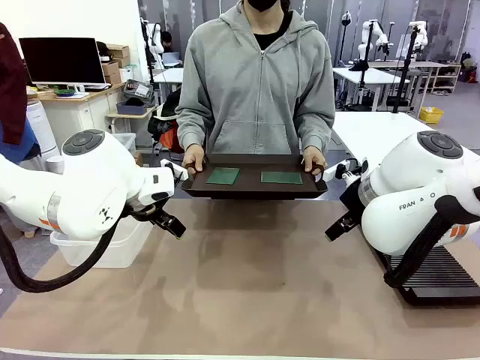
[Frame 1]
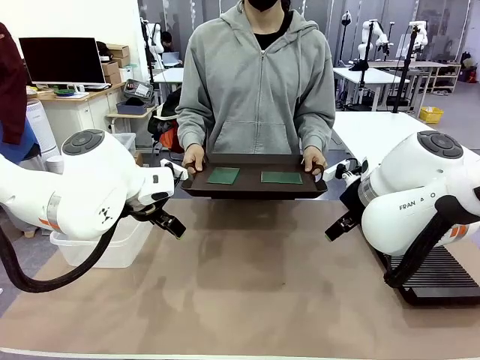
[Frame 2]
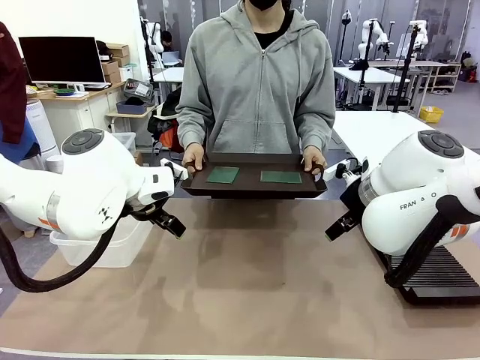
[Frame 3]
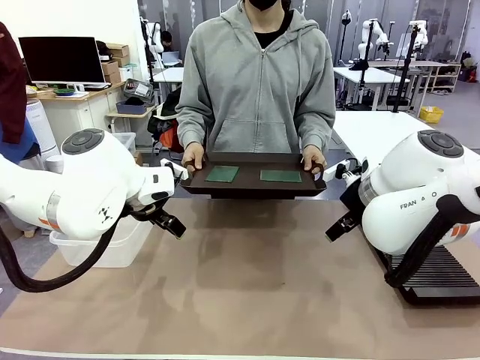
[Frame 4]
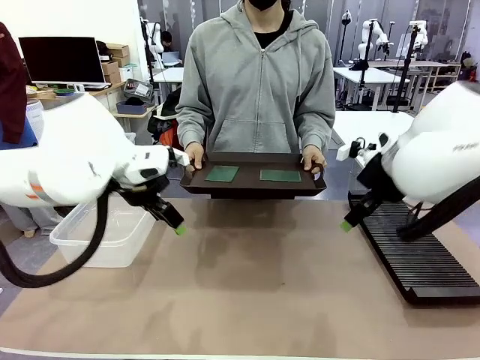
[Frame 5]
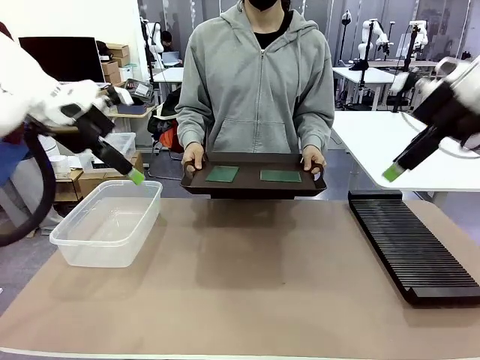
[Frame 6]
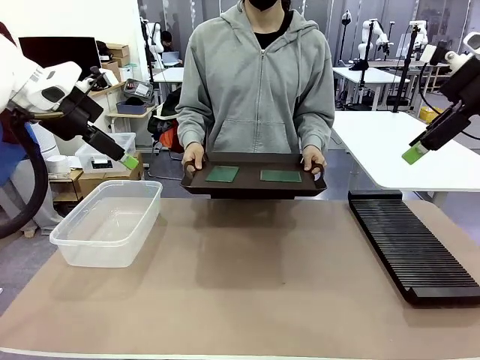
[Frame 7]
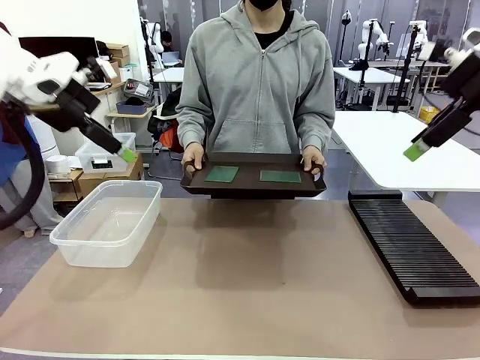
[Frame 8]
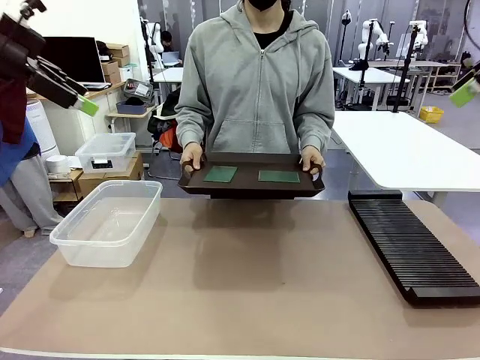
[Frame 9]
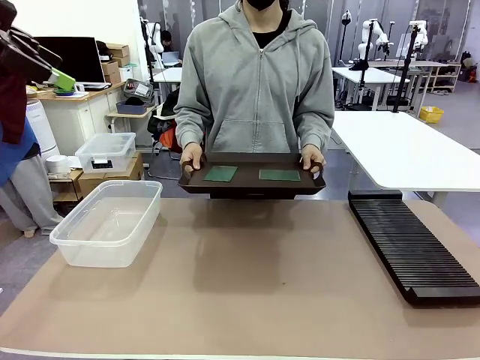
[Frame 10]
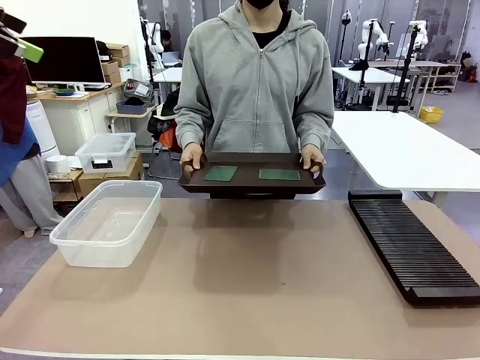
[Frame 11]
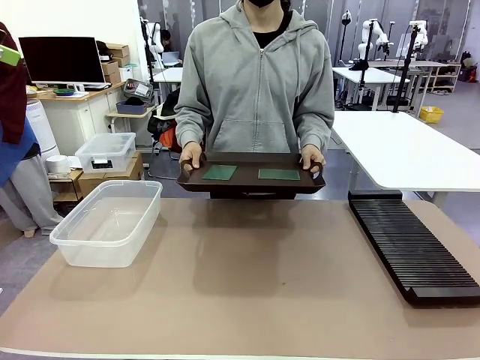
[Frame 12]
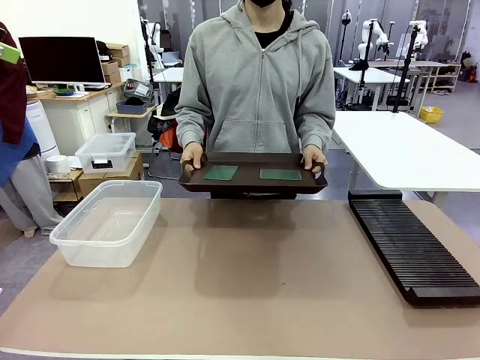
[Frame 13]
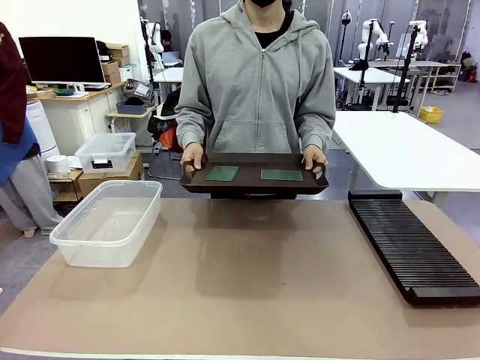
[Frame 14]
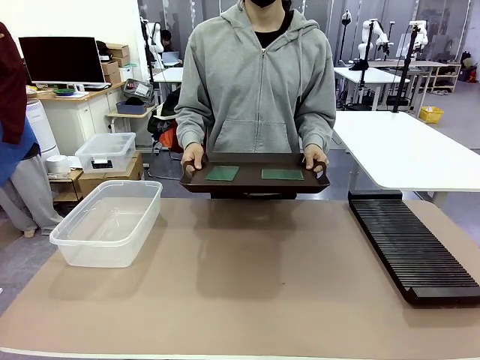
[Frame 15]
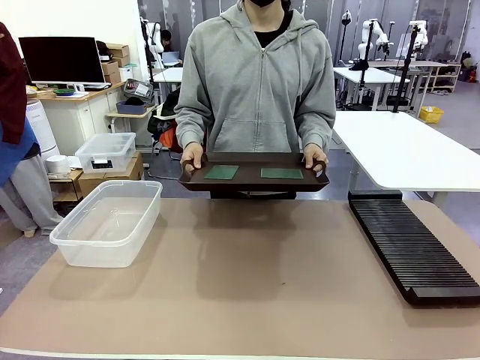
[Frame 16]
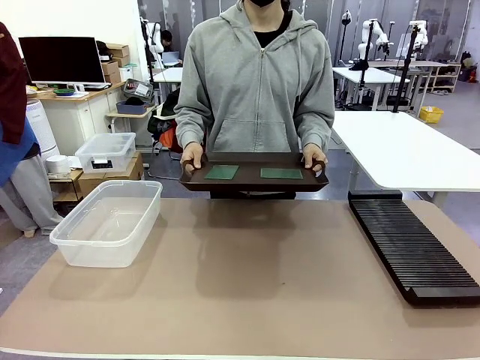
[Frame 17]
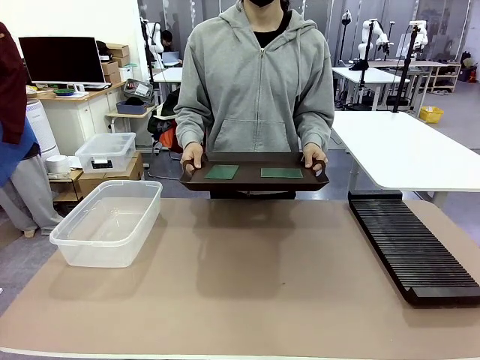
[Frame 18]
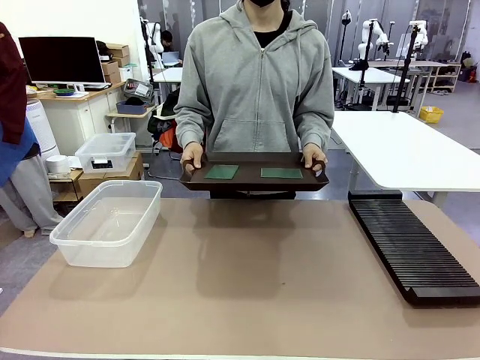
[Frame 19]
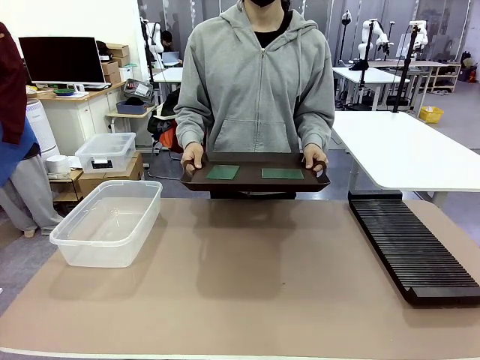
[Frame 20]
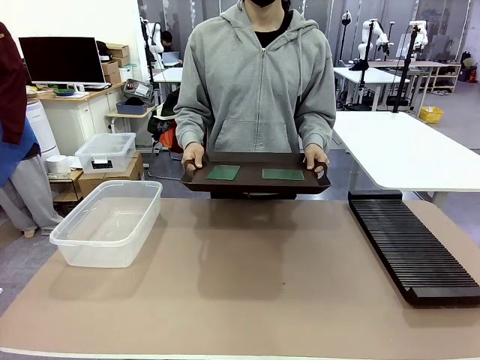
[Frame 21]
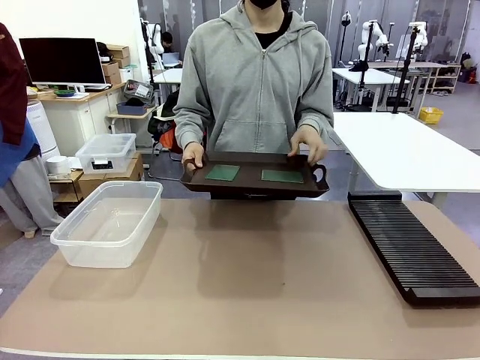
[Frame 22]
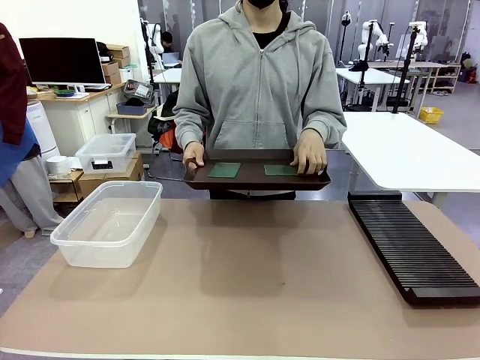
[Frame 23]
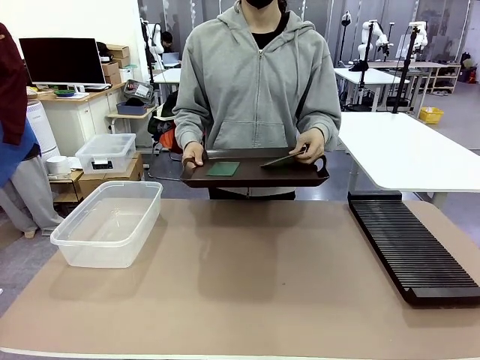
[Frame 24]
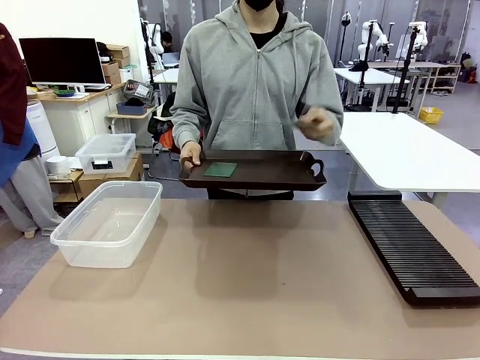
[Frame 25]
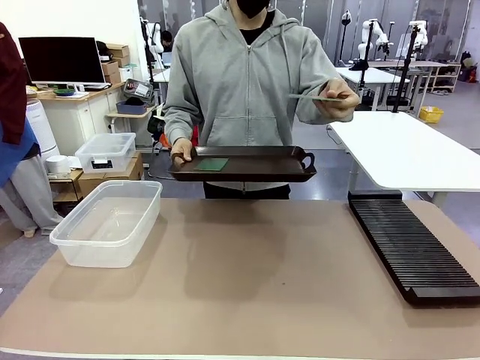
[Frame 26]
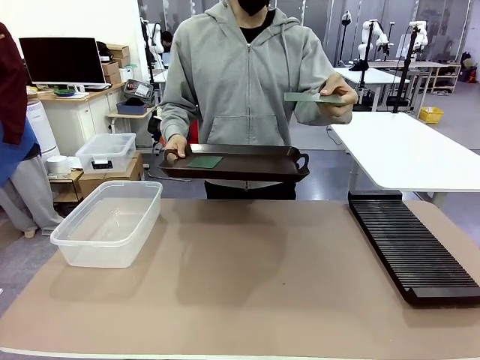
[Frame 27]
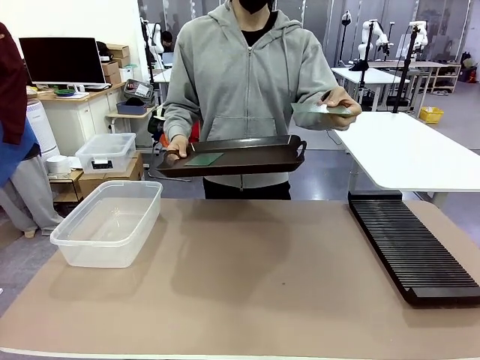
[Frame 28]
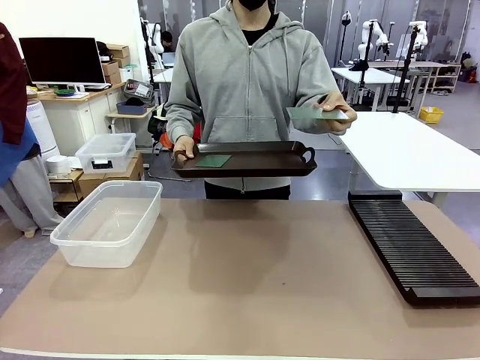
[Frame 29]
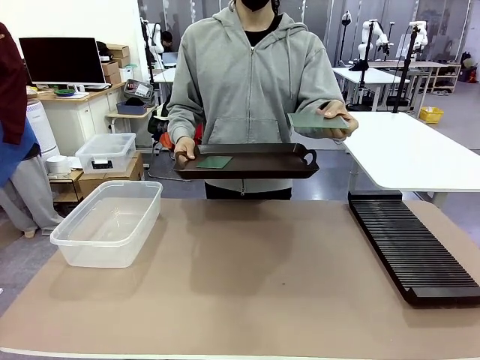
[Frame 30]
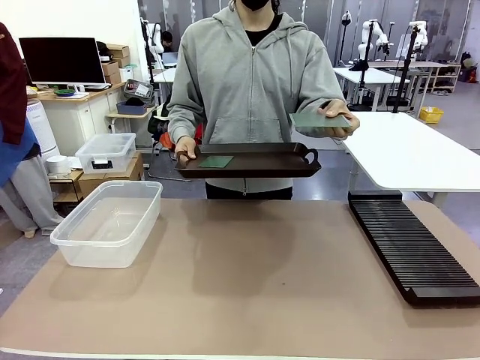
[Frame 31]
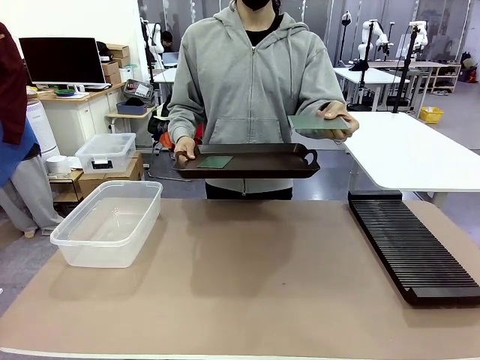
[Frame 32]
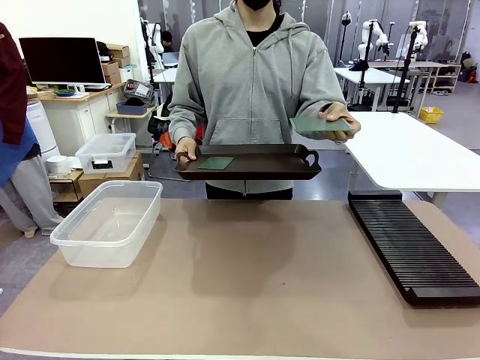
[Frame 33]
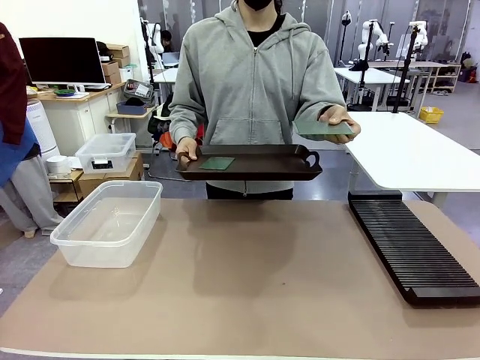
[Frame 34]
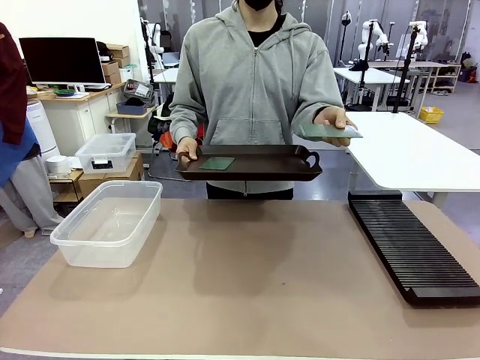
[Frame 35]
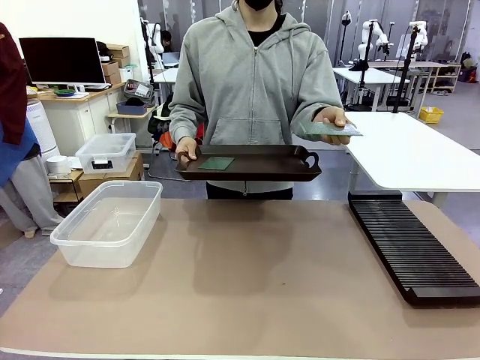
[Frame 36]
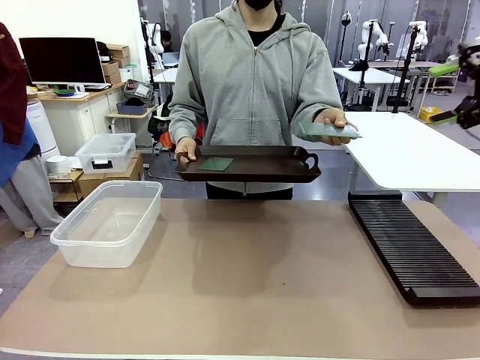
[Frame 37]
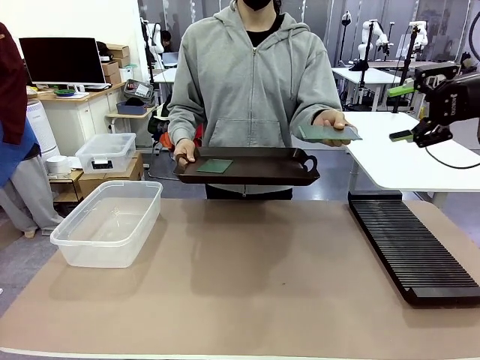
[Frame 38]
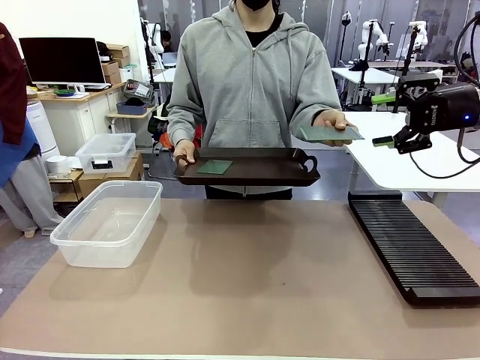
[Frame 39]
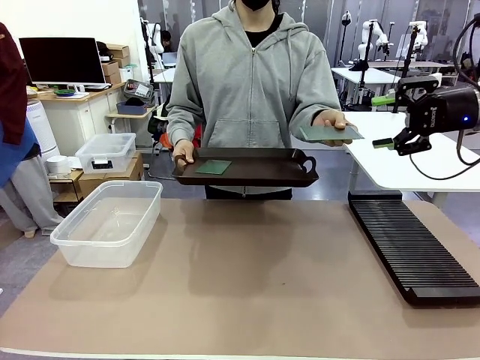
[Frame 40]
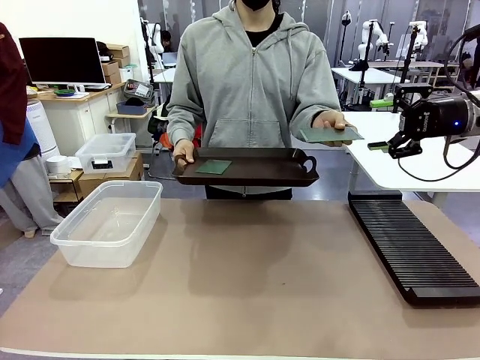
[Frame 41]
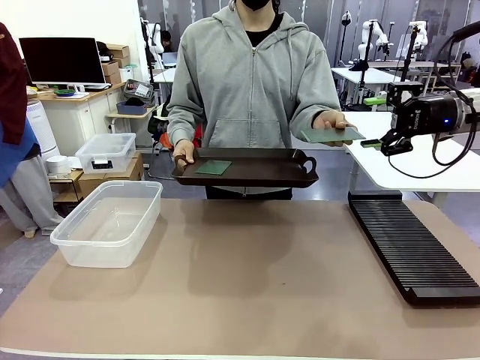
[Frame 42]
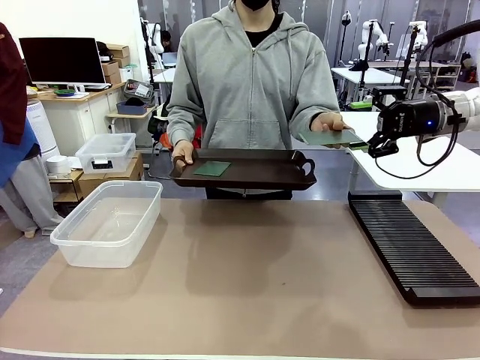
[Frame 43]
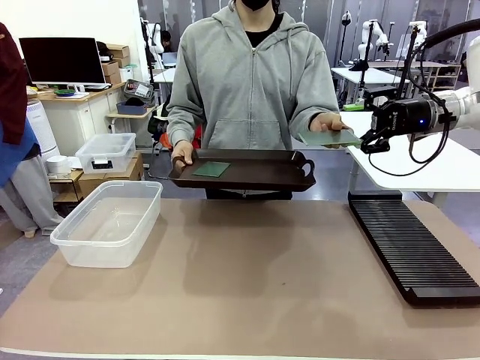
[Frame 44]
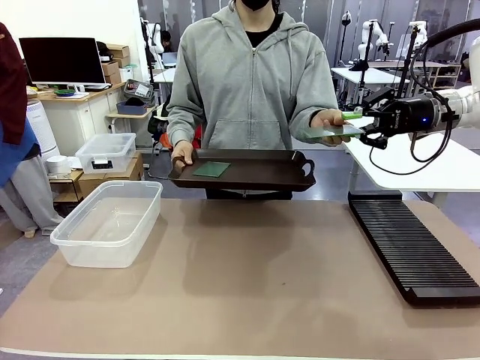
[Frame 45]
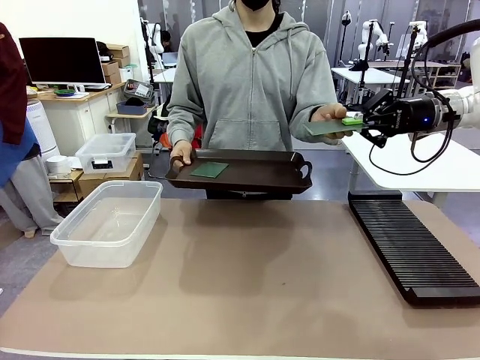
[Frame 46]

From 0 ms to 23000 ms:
Task: Sort PCBs into racks and boxes based on the side picked up.
Robot: Pick up the Blank PCB handed by the Human.
Person: Pick one PCB from the tray and present it to the robot. Release the PCB being held.
